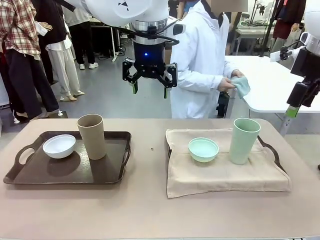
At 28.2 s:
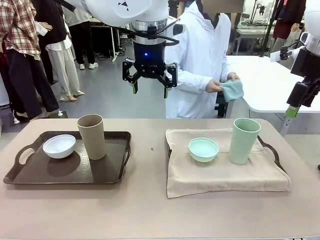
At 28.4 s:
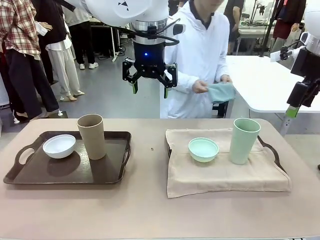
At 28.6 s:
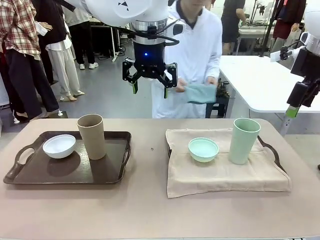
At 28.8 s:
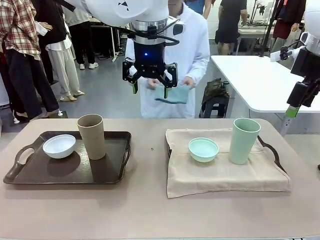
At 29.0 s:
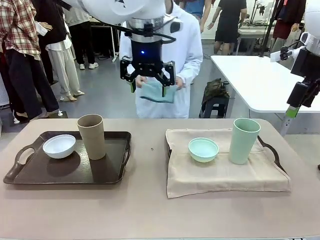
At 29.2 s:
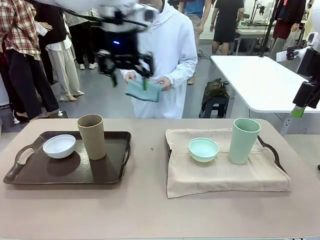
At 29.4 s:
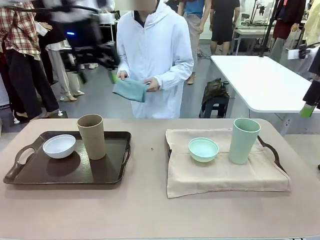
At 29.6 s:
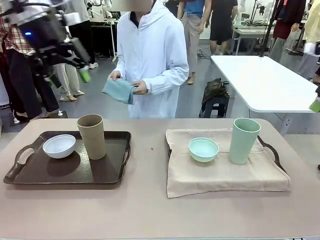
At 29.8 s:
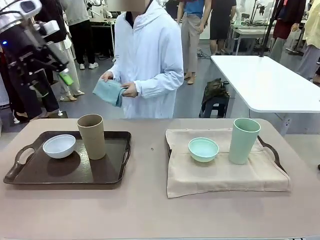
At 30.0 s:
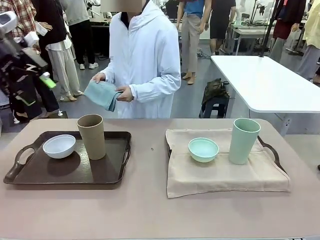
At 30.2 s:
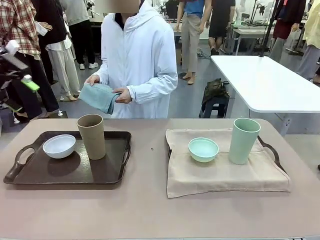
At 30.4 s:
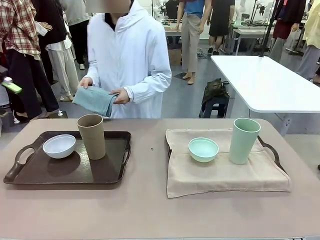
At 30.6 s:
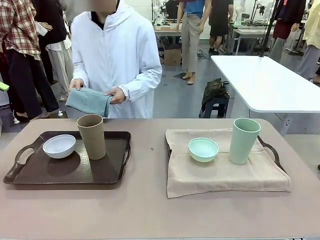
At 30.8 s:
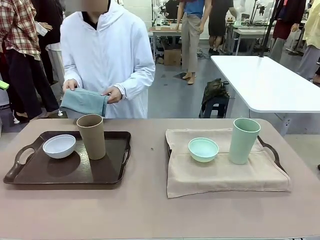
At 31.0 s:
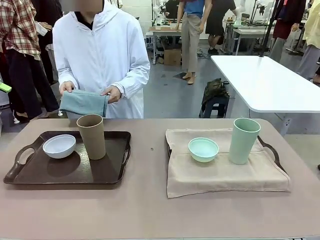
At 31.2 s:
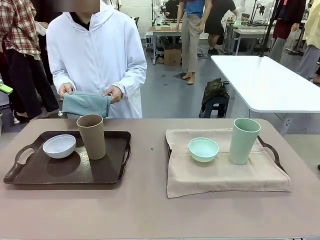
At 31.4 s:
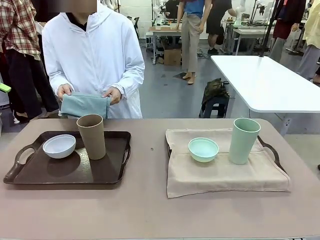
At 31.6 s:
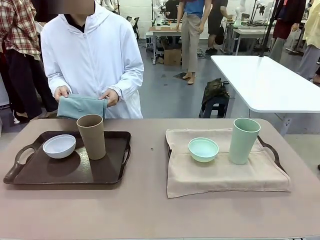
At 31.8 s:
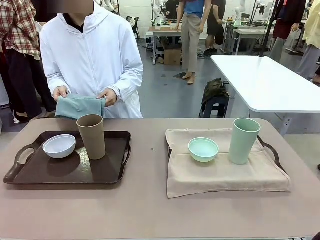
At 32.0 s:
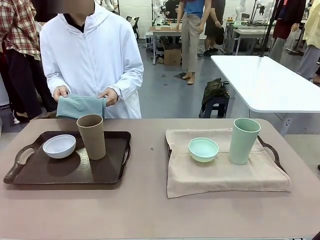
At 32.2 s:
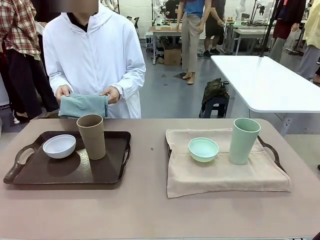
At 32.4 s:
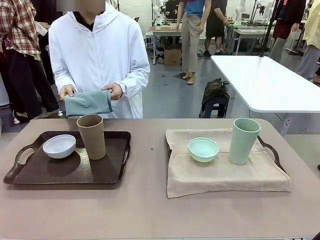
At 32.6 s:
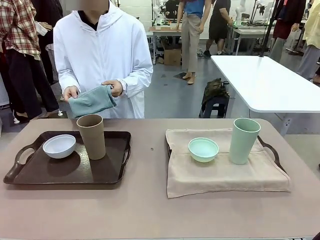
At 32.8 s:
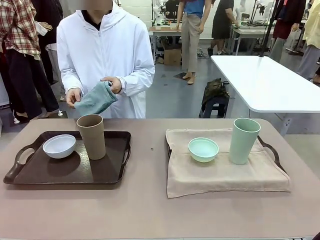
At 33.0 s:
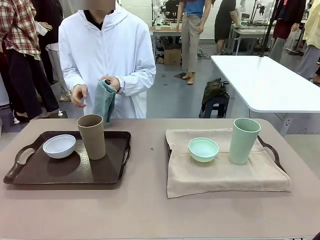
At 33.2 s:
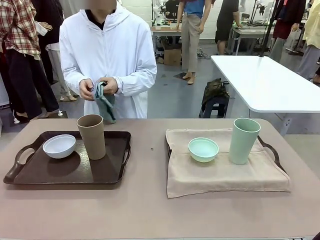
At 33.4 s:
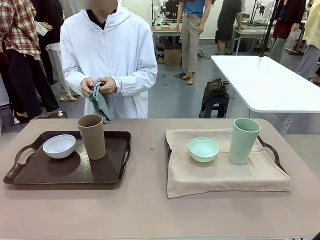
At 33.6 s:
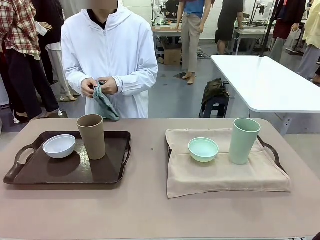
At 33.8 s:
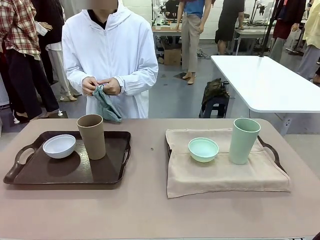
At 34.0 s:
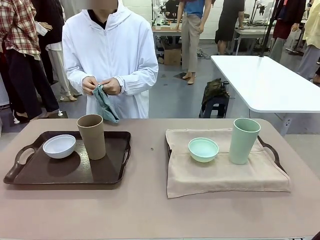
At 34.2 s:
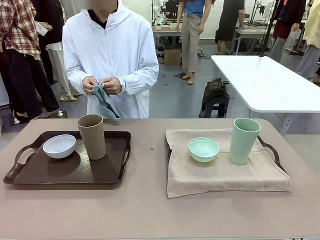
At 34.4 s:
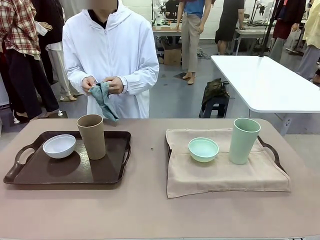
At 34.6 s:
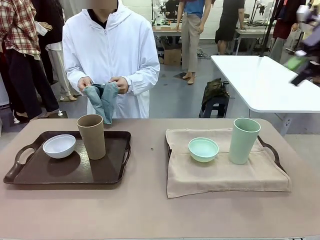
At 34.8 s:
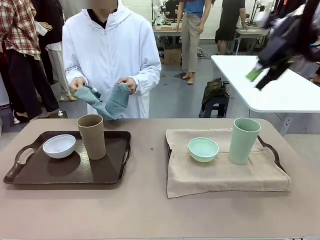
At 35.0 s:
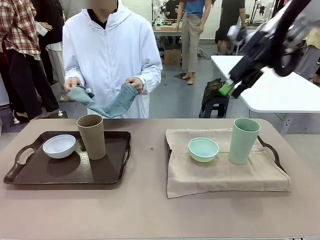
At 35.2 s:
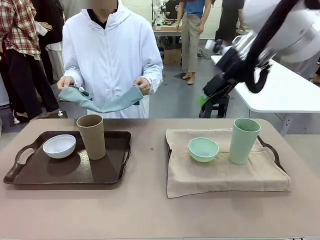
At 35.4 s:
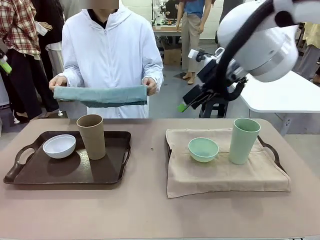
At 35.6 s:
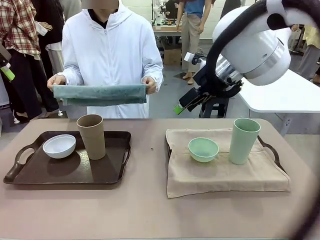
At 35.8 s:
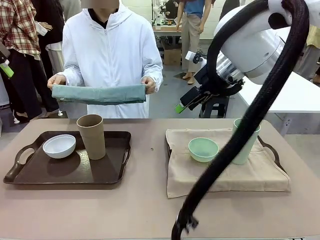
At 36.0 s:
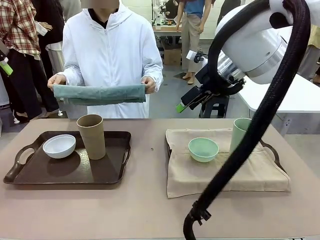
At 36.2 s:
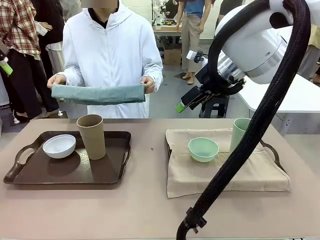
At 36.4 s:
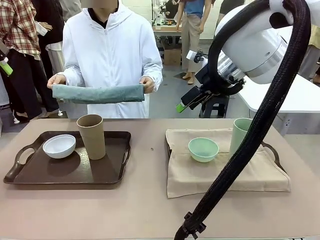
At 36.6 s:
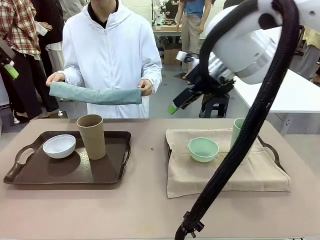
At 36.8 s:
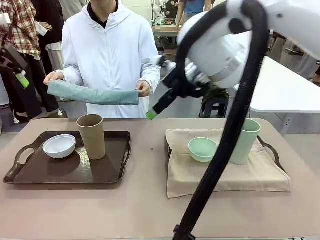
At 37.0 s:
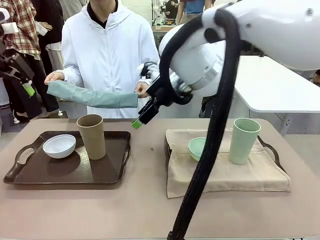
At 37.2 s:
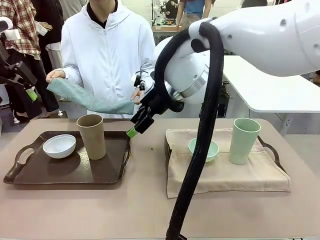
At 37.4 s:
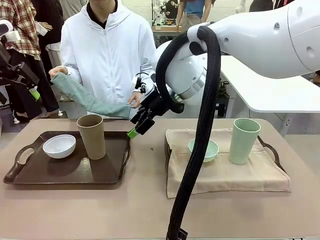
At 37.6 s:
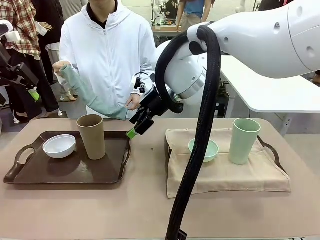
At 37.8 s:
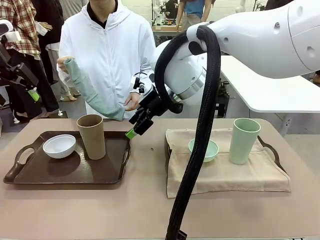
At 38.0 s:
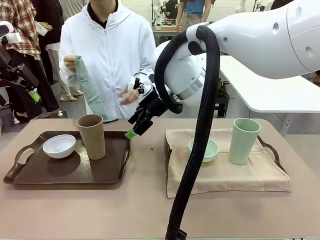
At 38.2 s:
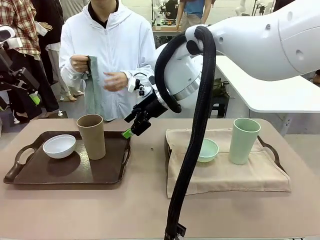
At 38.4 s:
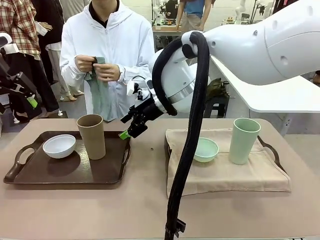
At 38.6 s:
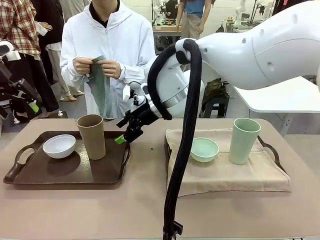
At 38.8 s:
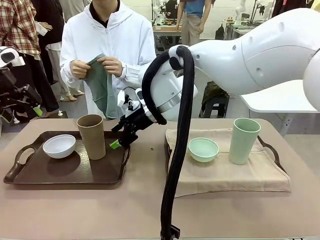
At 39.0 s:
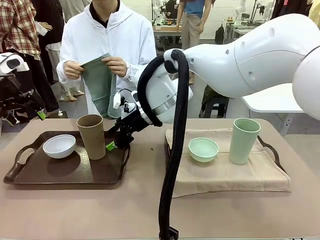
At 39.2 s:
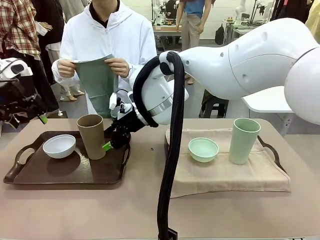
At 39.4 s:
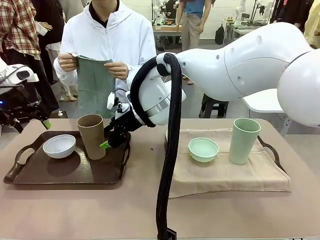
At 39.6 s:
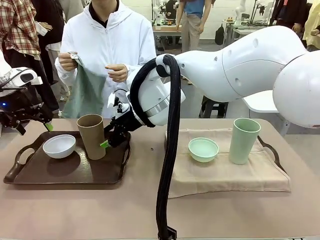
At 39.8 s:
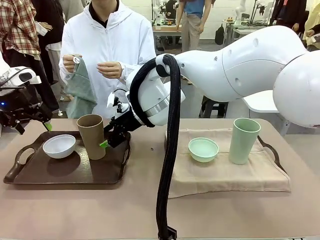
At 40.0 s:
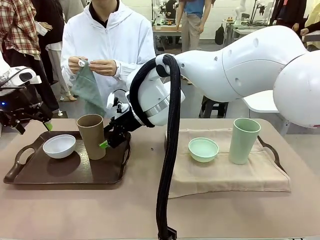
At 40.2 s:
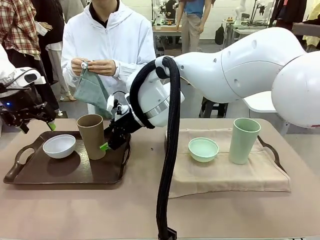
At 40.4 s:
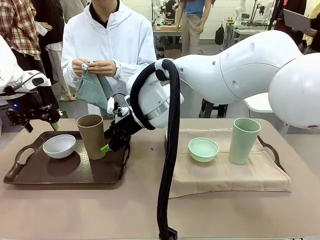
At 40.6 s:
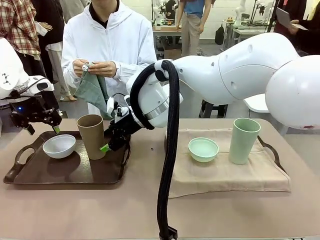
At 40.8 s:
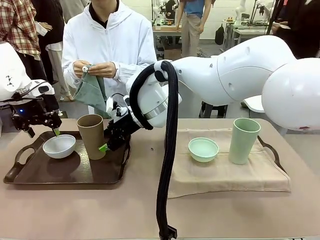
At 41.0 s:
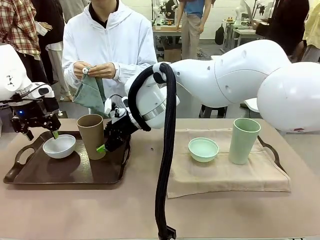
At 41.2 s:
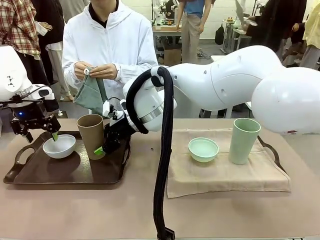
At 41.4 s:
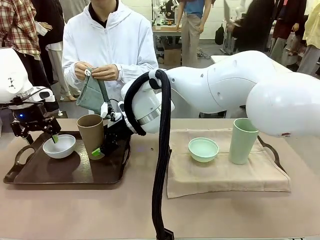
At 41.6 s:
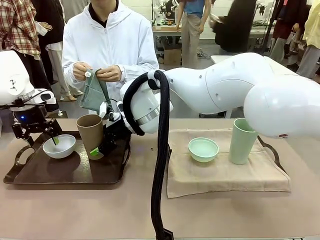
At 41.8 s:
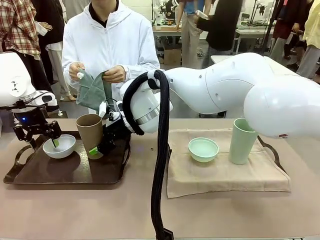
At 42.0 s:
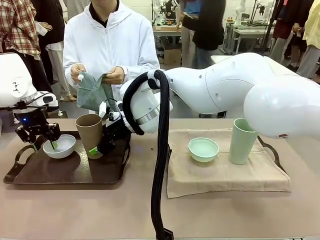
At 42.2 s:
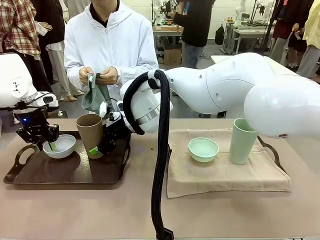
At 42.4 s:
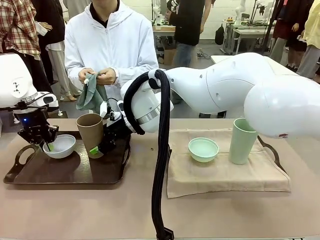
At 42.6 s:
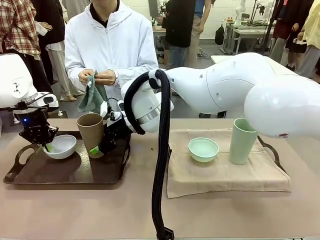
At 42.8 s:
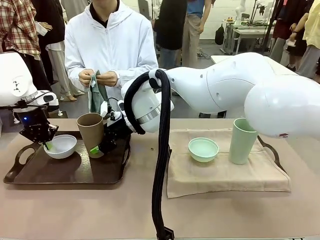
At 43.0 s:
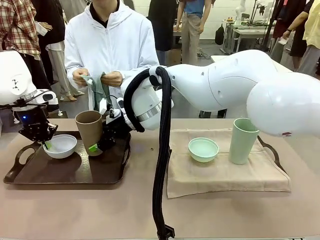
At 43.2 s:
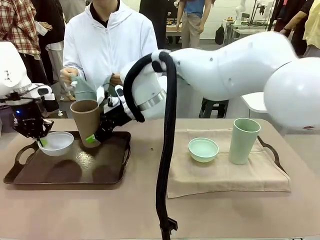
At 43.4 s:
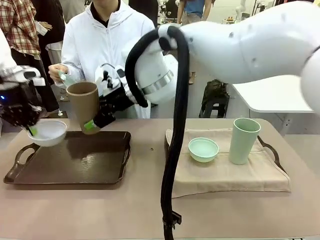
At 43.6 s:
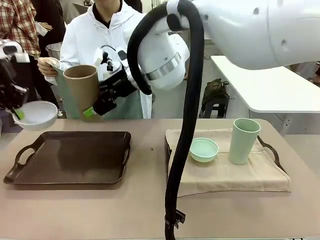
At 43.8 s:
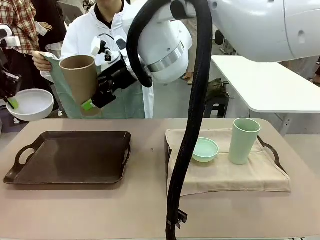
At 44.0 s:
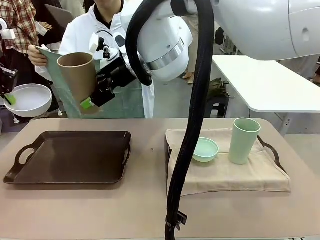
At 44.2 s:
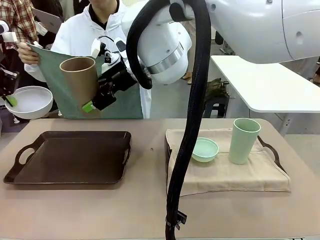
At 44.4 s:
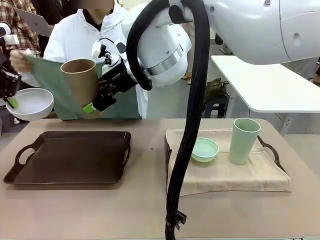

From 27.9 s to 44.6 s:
Robot: Pick up the Picnic Bowl and Reusable plastic cup from the Handle tray in front of the human's position and hold them in the air.
